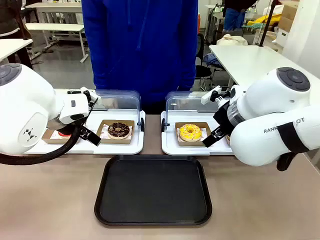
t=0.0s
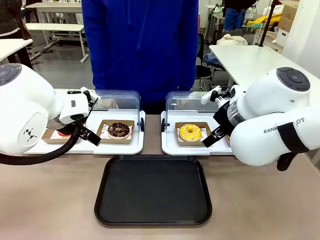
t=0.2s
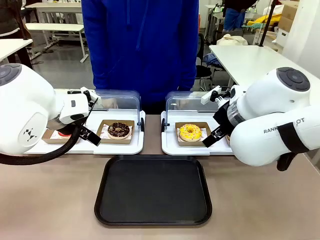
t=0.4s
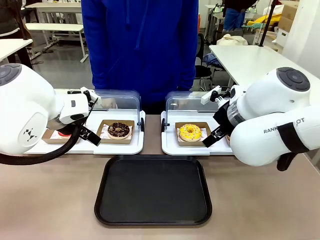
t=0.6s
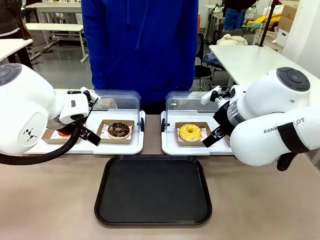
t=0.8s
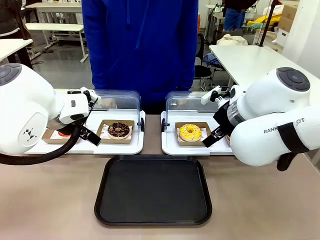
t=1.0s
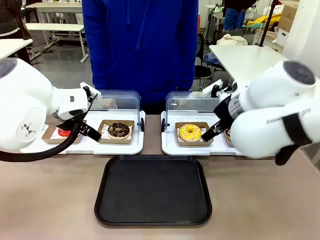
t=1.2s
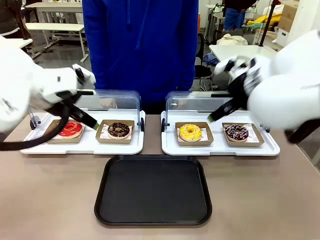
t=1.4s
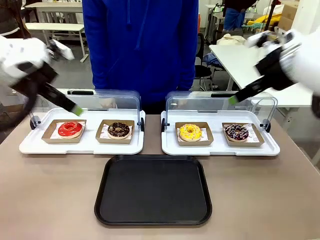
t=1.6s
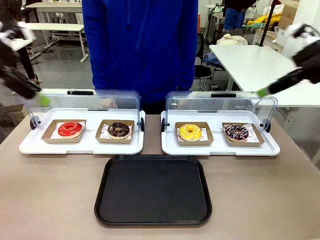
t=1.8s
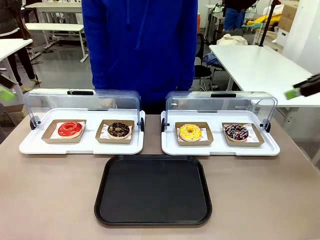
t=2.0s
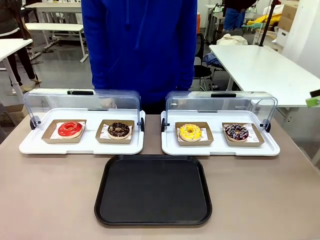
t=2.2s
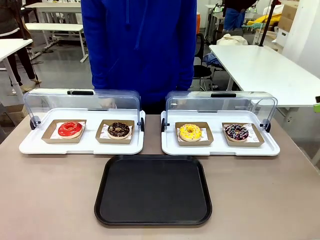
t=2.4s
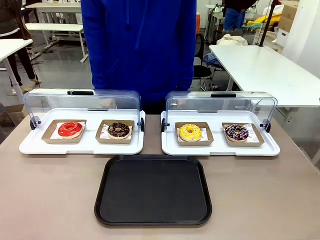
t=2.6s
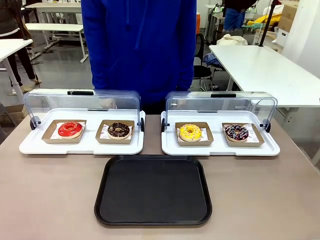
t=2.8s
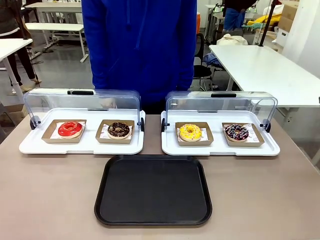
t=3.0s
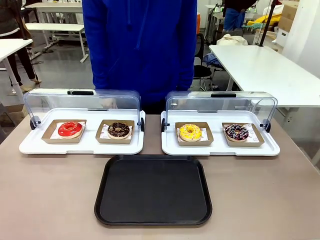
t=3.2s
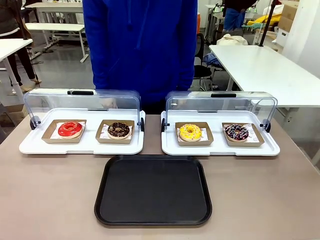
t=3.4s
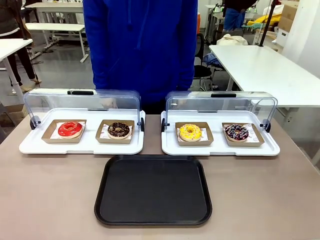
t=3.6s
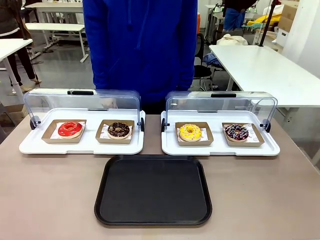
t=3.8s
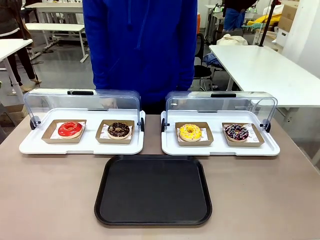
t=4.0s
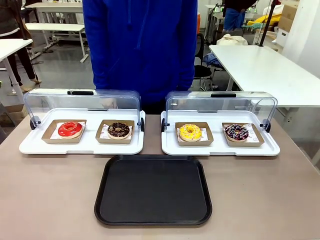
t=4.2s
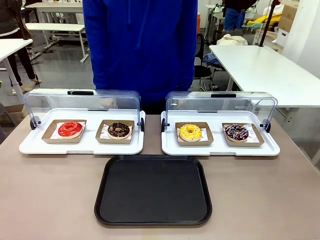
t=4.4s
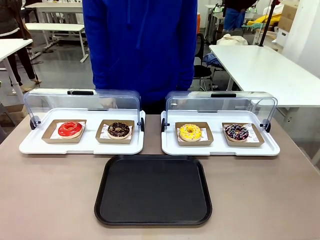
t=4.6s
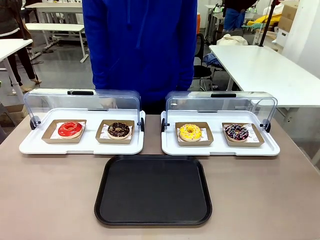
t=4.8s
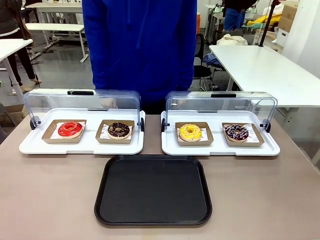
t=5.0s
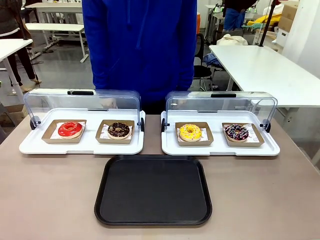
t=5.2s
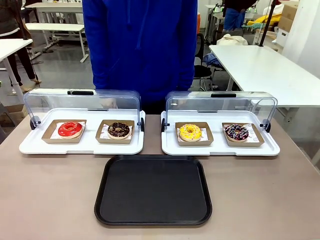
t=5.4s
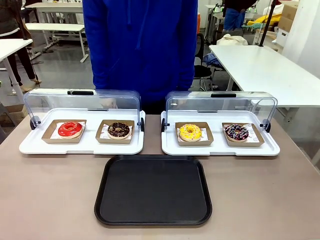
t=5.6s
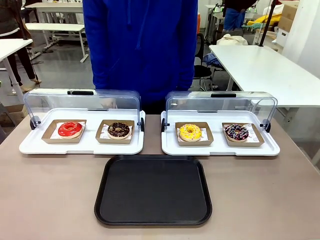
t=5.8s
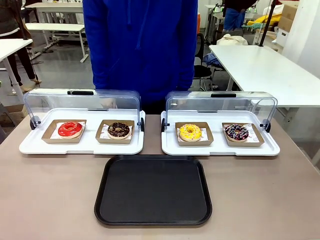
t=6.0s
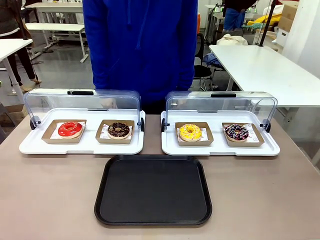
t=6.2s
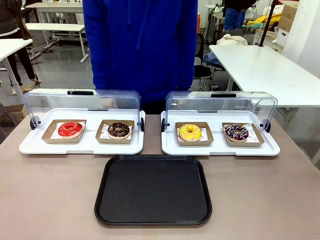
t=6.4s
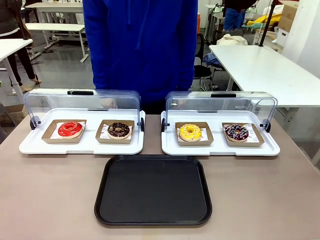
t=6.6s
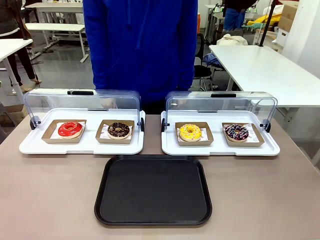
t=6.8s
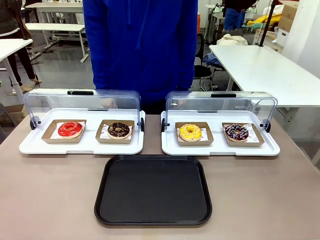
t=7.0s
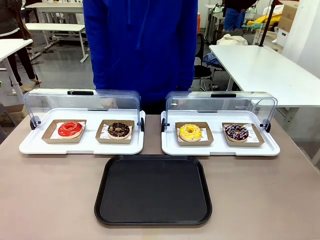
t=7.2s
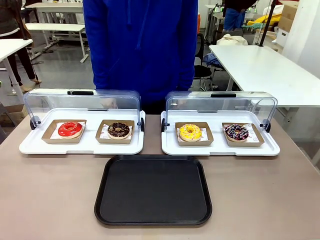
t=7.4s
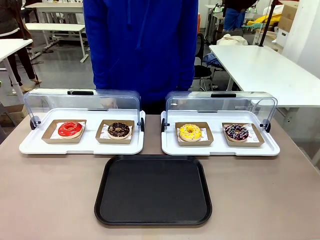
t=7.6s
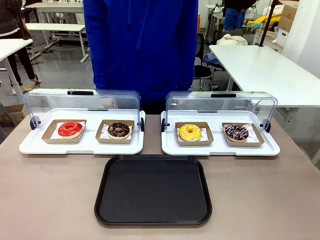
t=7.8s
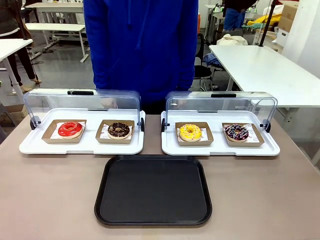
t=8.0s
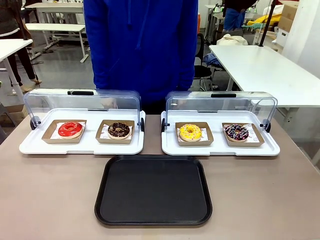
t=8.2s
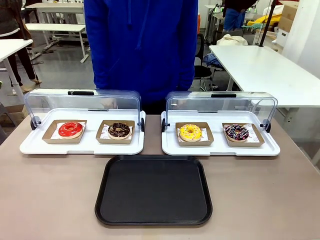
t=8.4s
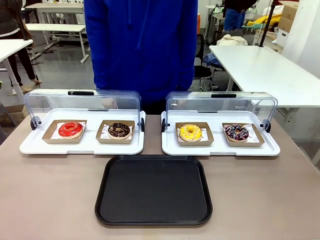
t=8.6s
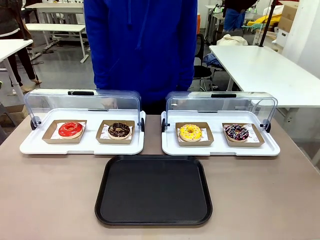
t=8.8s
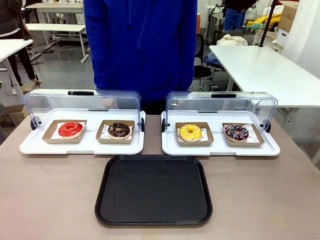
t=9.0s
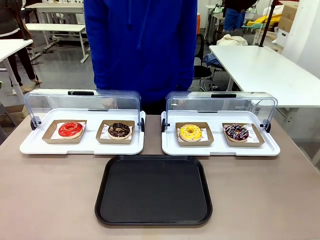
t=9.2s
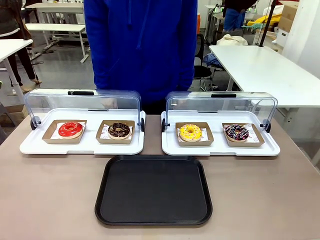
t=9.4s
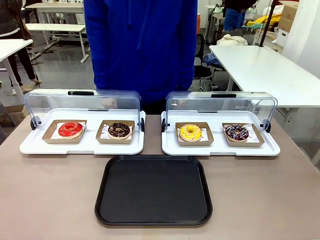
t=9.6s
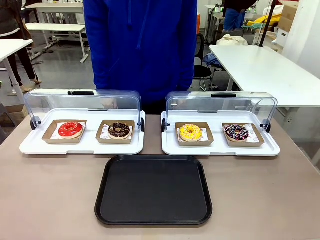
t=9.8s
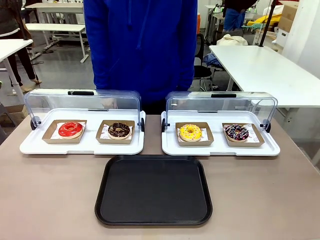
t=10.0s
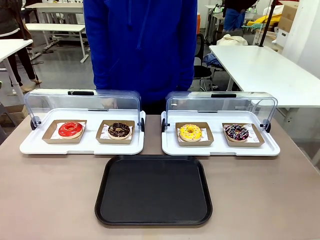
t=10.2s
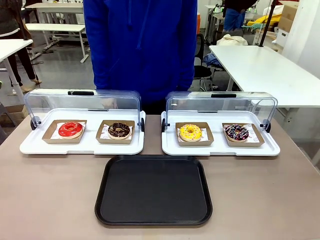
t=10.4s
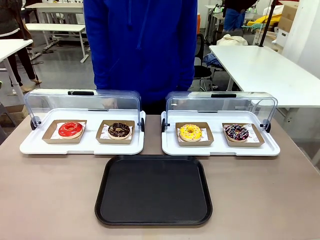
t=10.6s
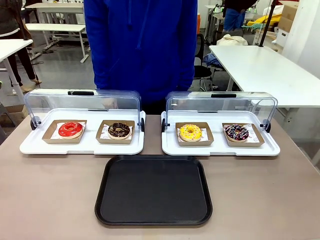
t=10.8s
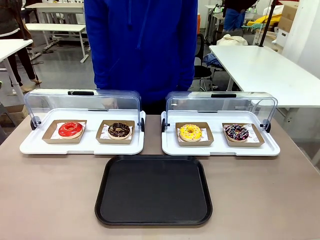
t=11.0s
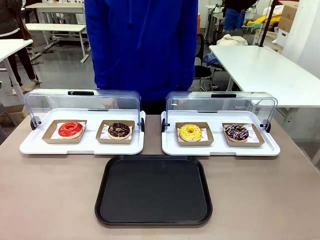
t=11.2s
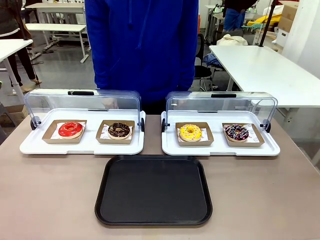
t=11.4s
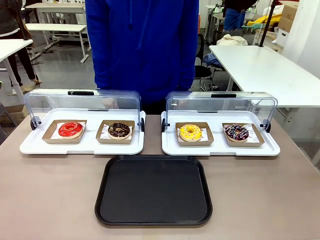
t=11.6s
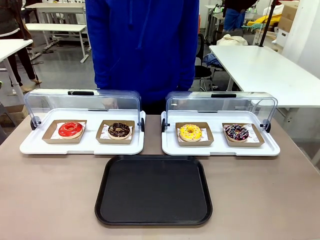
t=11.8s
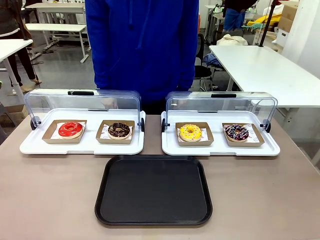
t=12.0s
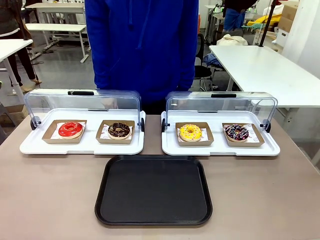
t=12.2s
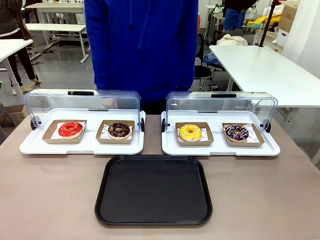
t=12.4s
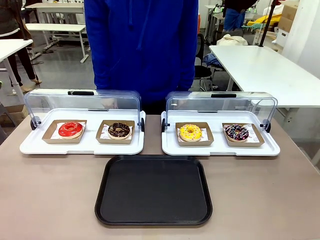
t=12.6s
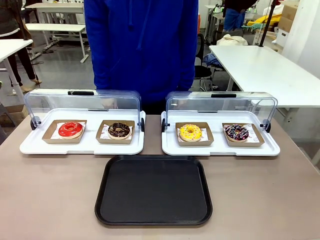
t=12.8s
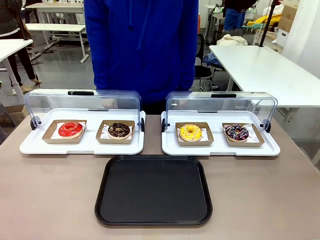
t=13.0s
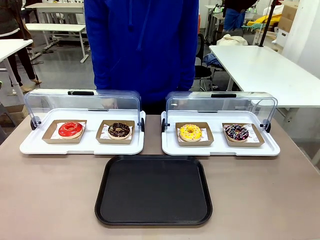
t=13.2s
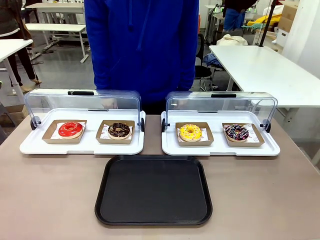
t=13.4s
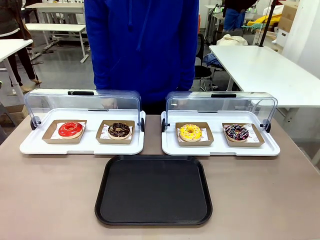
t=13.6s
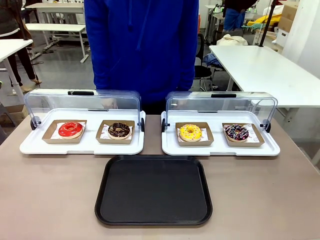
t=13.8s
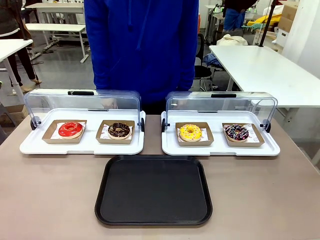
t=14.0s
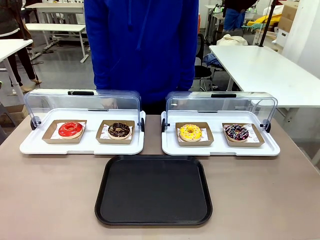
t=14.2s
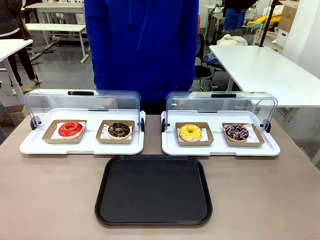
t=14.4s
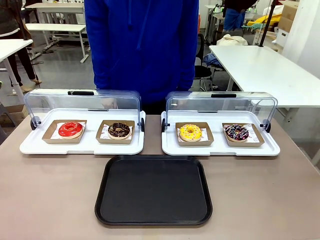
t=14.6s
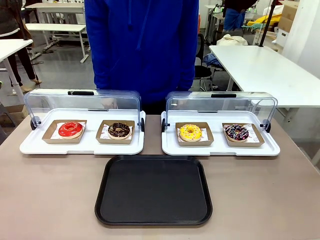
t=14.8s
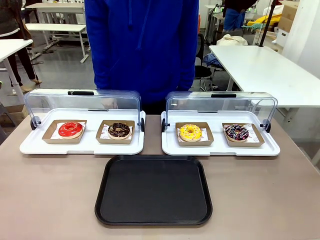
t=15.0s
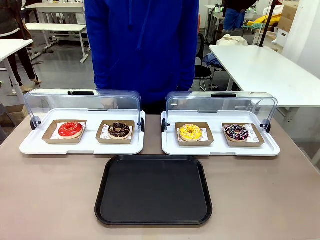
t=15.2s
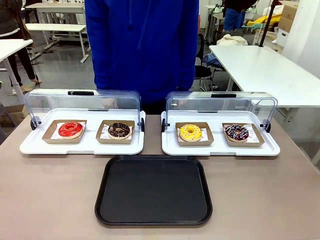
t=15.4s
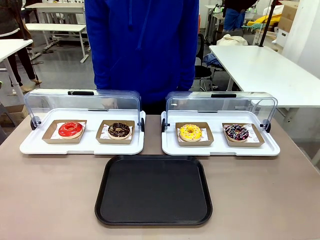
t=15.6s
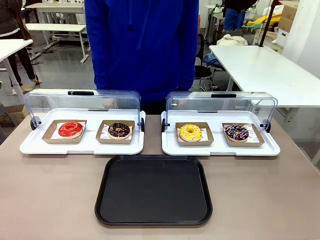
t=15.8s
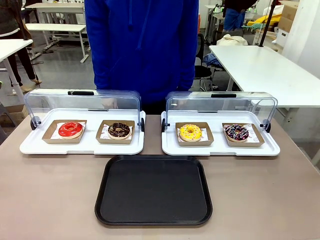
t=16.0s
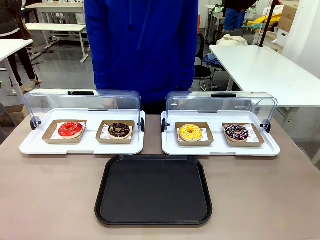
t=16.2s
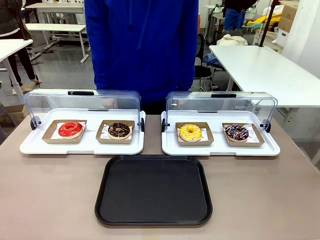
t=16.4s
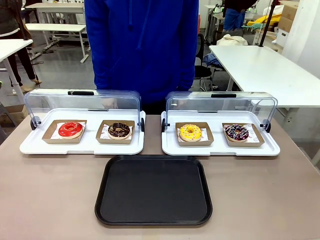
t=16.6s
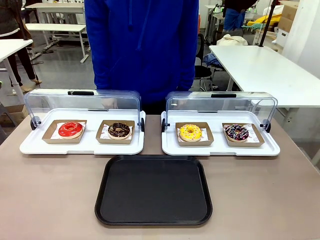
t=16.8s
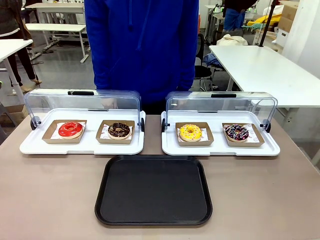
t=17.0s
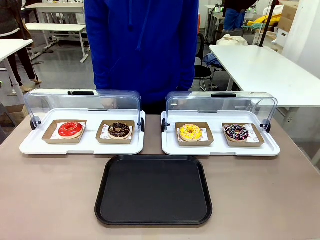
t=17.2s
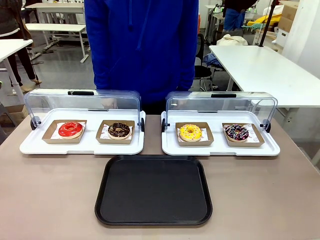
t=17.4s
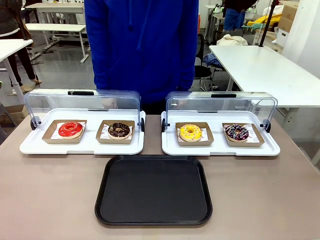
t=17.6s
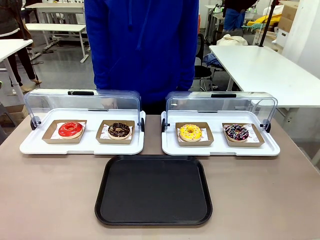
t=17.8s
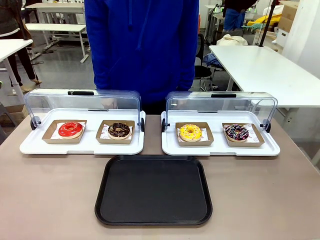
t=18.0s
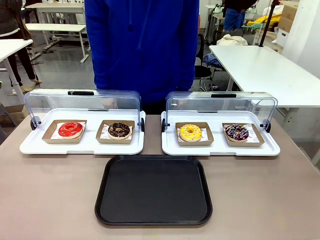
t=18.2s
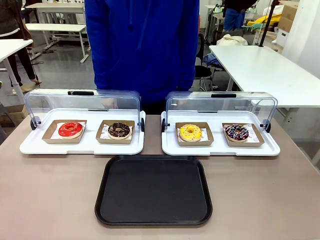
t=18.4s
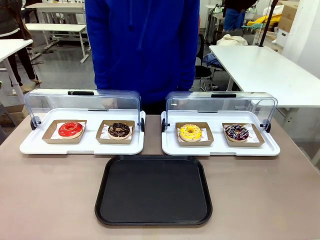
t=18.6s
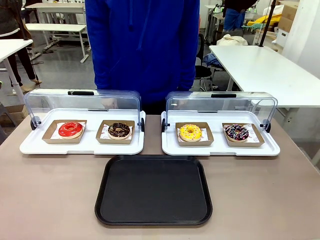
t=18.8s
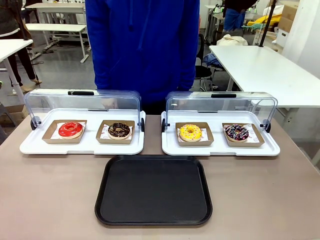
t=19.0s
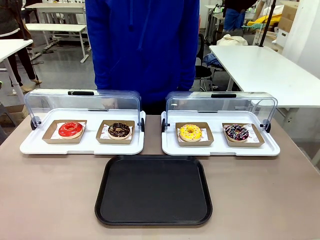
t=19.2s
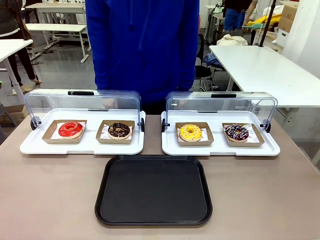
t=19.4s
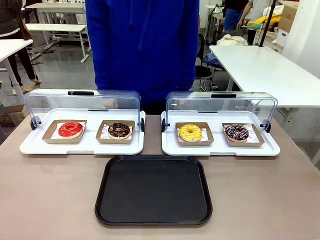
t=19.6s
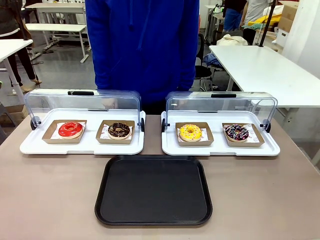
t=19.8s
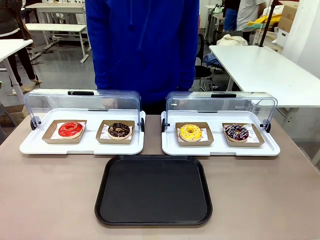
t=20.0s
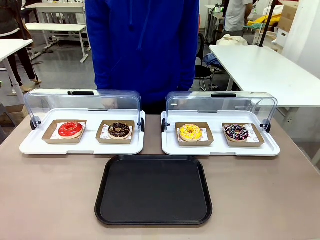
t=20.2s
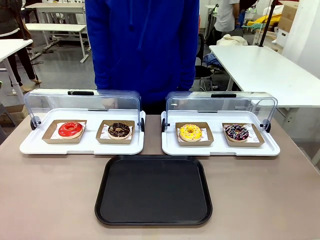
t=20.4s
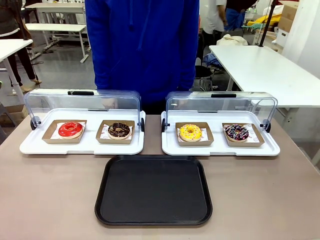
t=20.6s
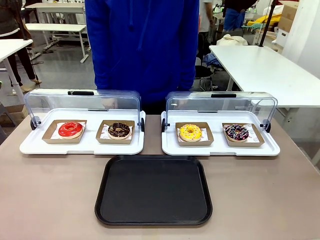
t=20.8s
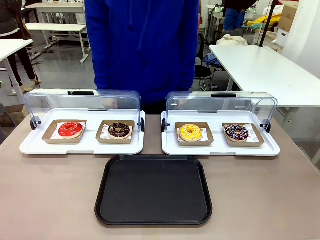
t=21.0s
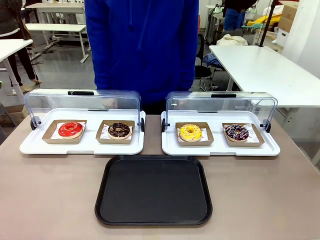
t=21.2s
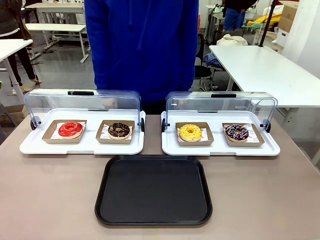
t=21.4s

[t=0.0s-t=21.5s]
Task: Move the third donut from the left to the tray.
Robot: Pick up the Paper togo box containing the Donut indicated by the person and place it on the Handle tray.
